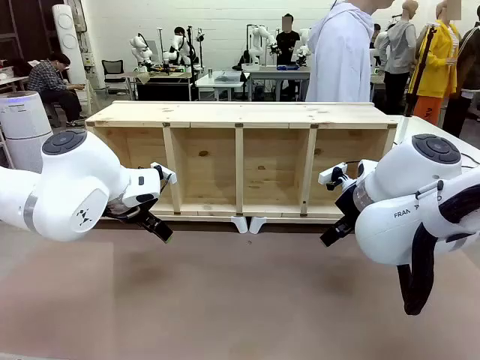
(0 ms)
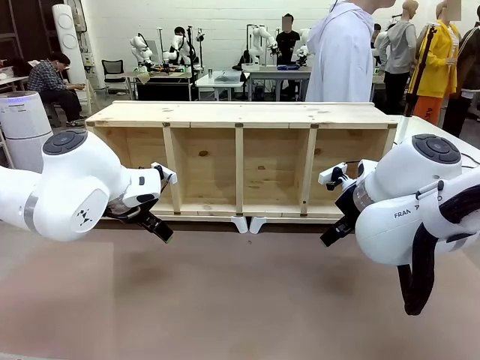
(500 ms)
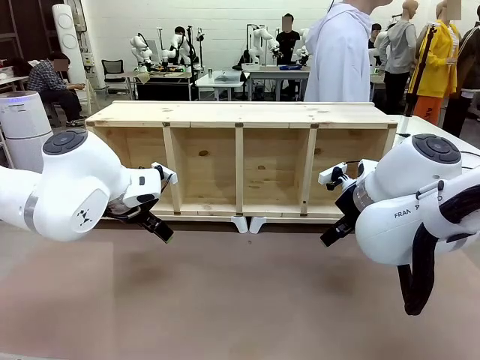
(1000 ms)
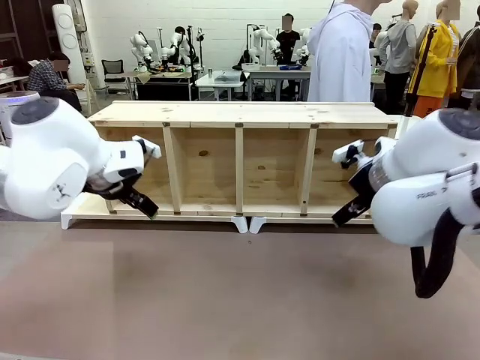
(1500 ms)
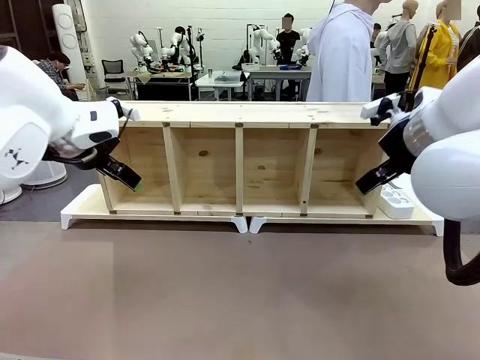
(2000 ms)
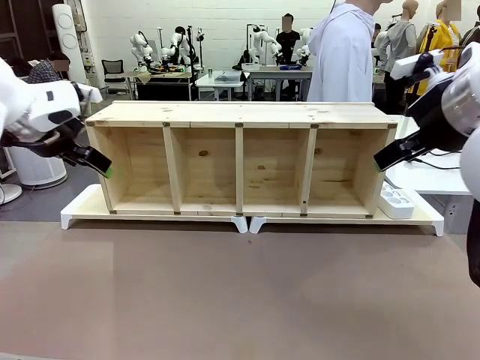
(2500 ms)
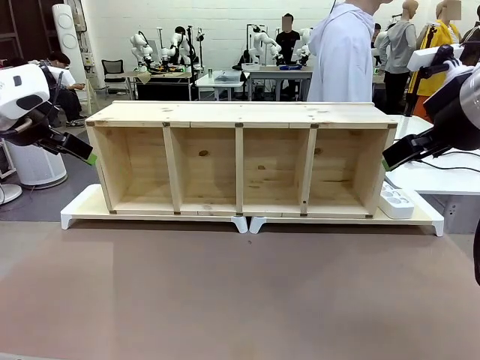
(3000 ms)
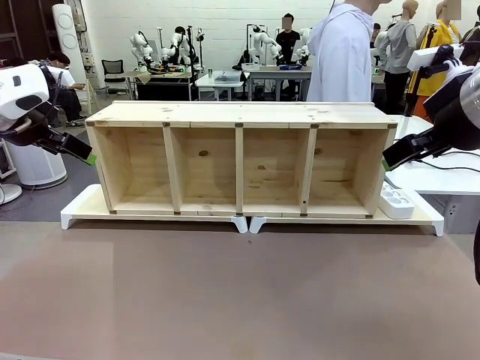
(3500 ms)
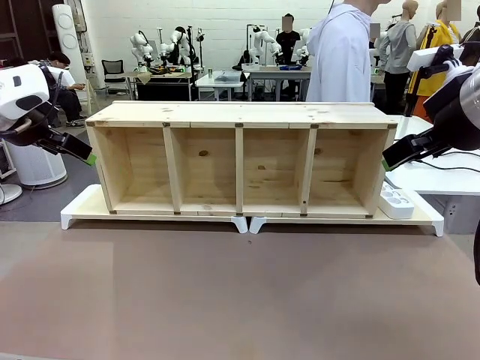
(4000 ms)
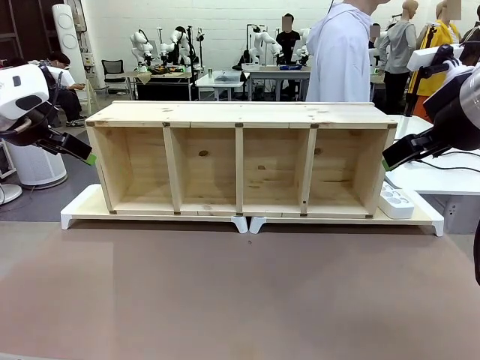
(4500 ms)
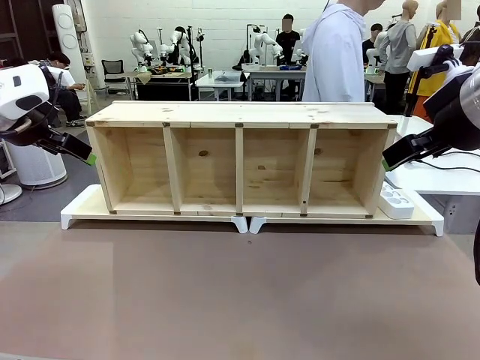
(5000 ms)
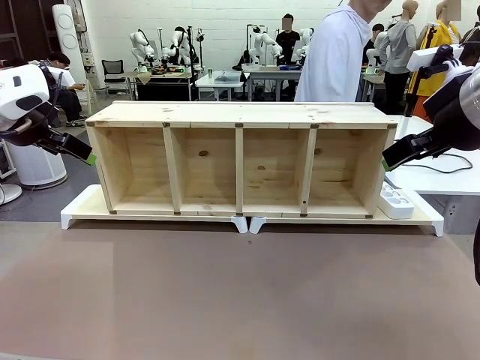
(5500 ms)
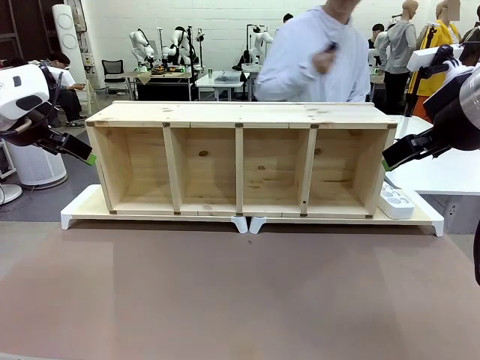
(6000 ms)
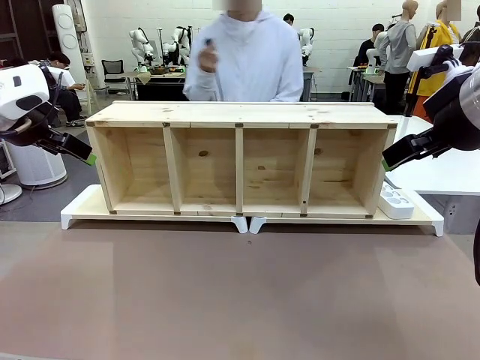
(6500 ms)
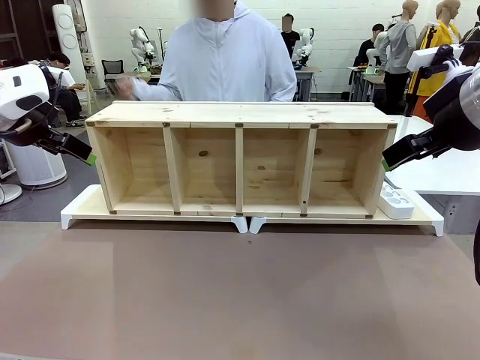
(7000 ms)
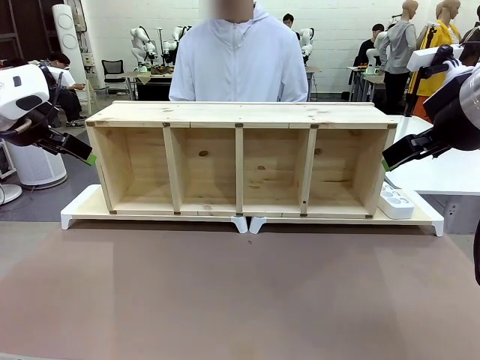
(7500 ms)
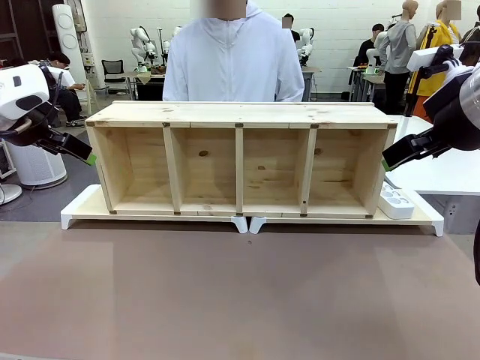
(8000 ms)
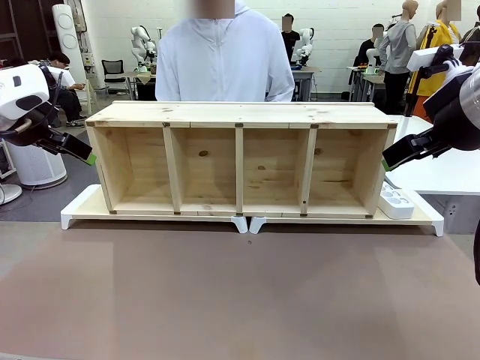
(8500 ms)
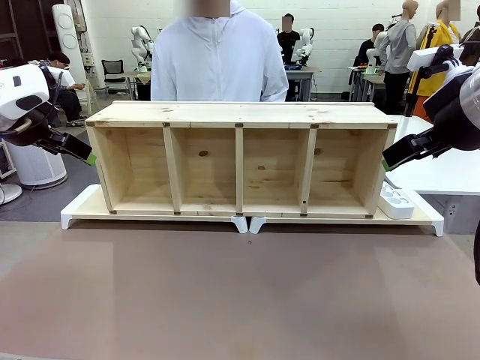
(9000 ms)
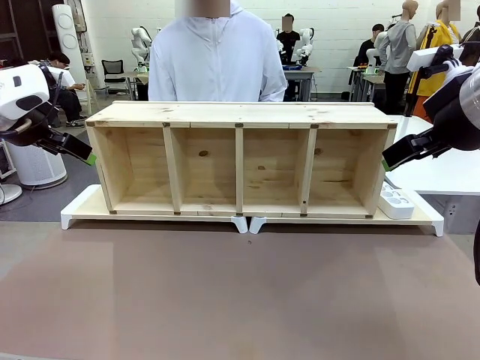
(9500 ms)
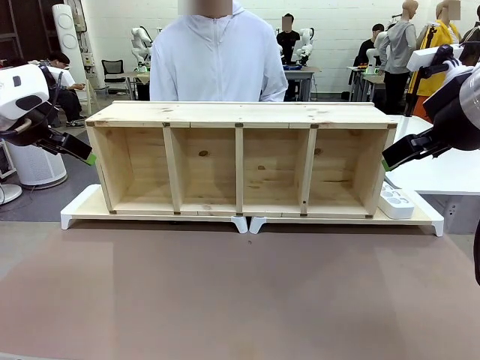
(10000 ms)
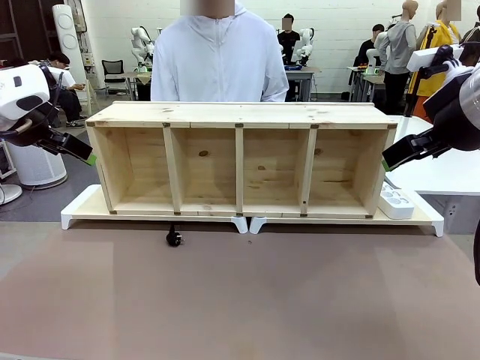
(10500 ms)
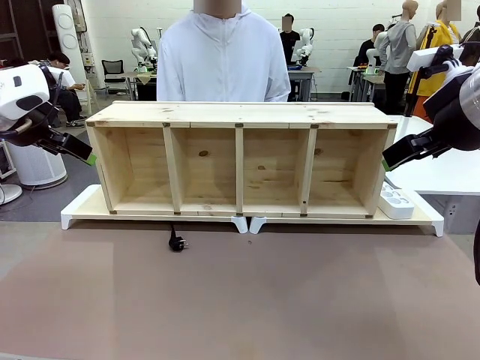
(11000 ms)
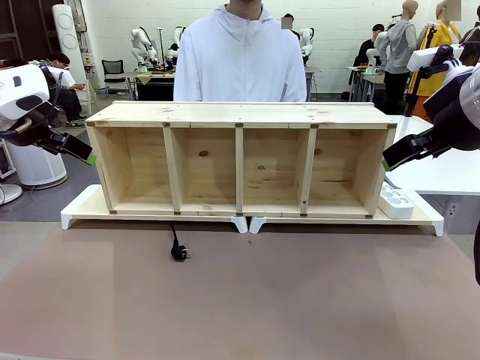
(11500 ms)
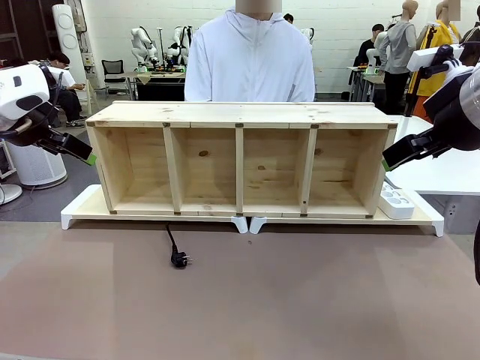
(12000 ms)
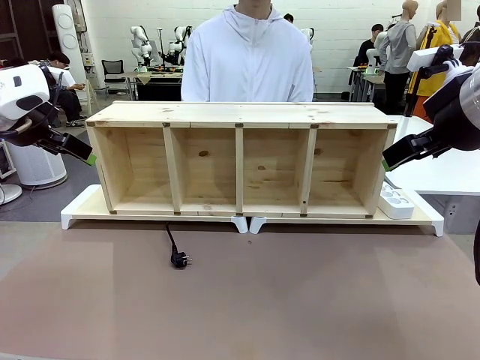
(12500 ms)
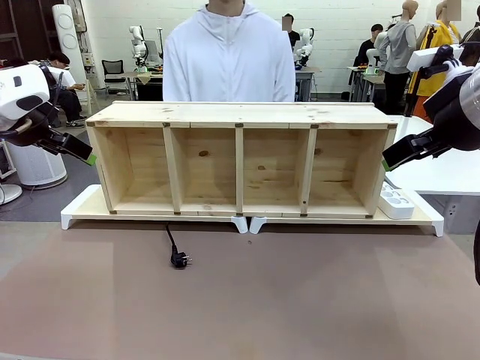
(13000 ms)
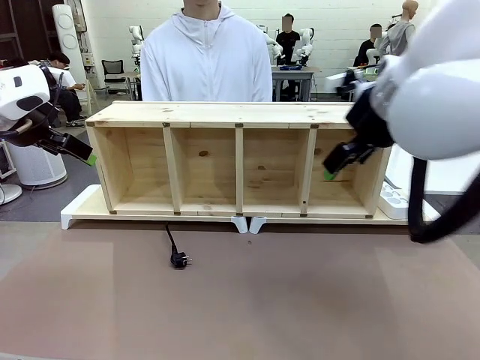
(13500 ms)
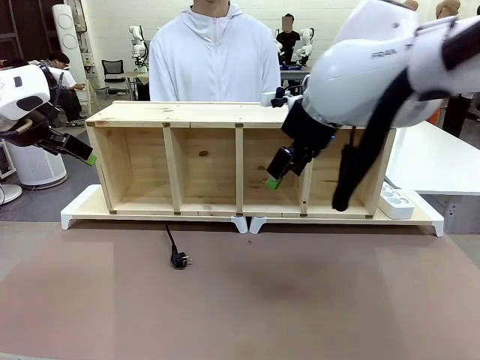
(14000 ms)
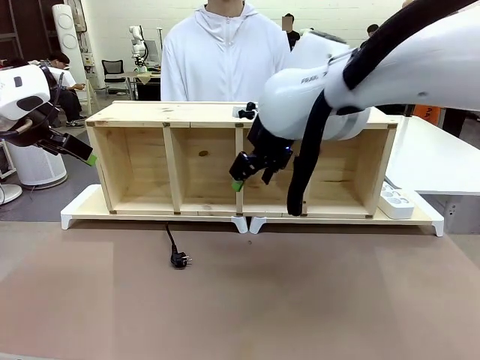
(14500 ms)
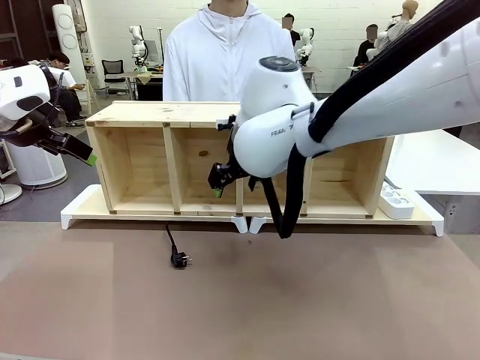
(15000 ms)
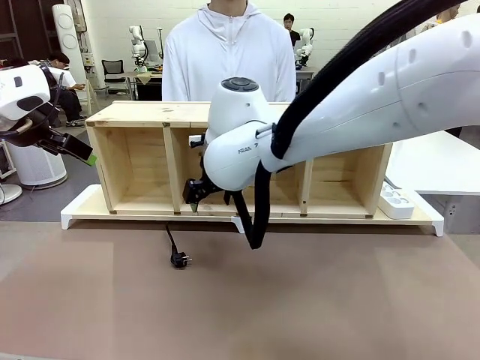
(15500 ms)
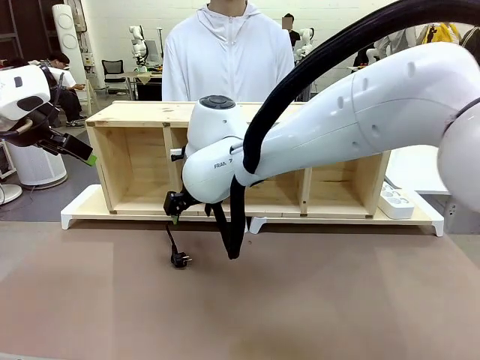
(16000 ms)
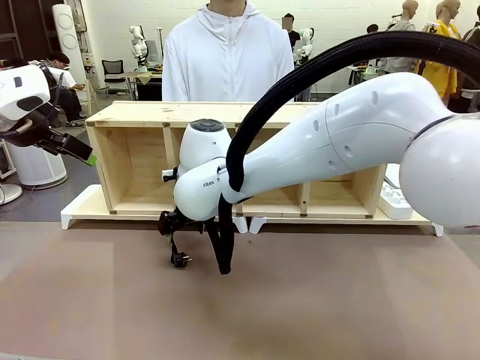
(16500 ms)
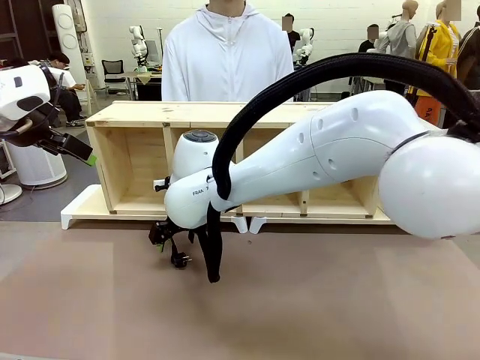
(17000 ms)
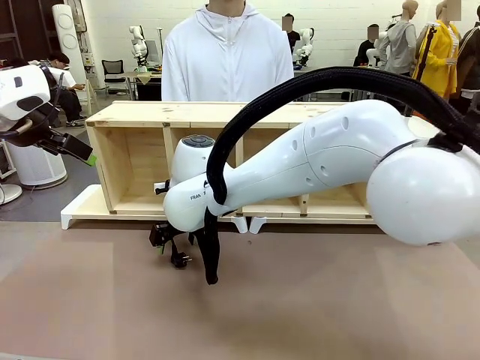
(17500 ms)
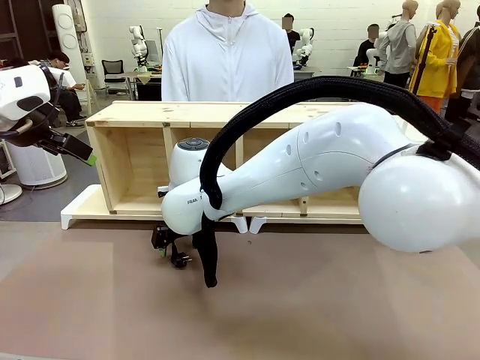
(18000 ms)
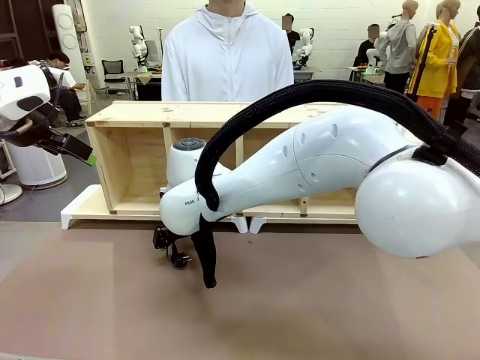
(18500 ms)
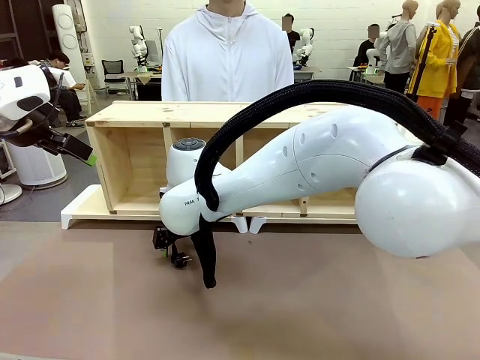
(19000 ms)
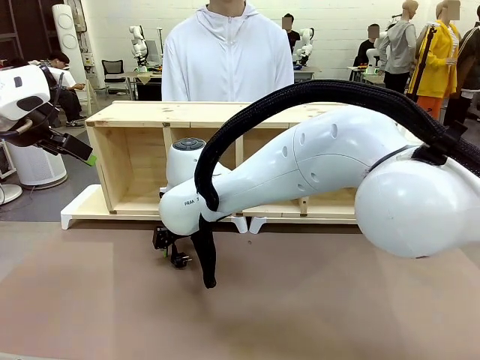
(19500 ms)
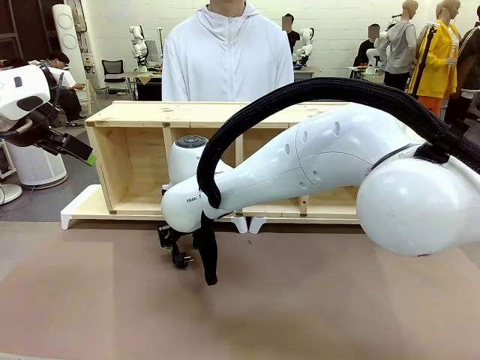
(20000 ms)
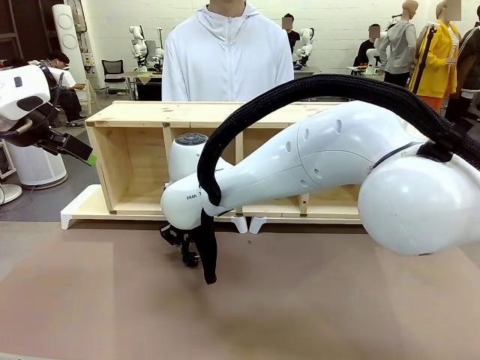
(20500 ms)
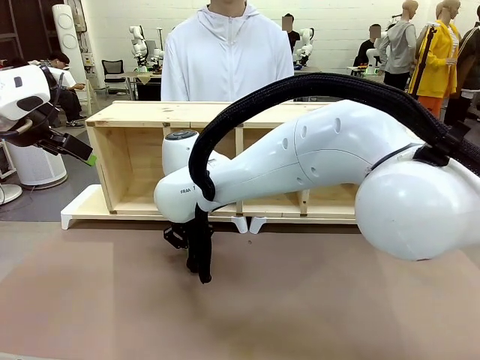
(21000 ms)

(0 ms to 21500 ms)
Task: Perform cable management.
Robot: When the cord part of the Power Cable appears at the lower middle area of the table and stops, grasp the cord part of the Power Cable.
Person: Pass the Power Cable under the Serving Table.
